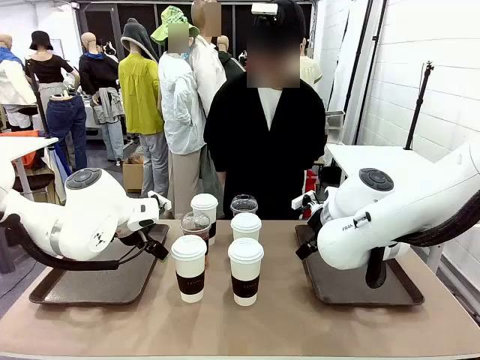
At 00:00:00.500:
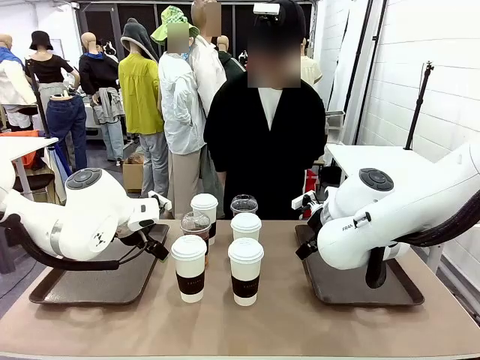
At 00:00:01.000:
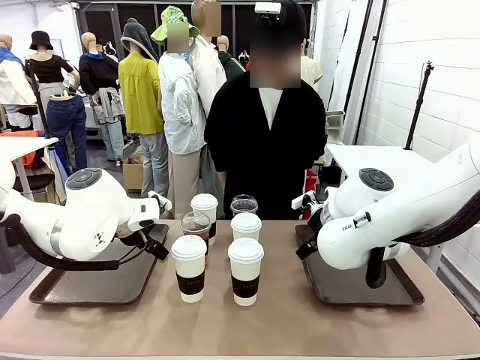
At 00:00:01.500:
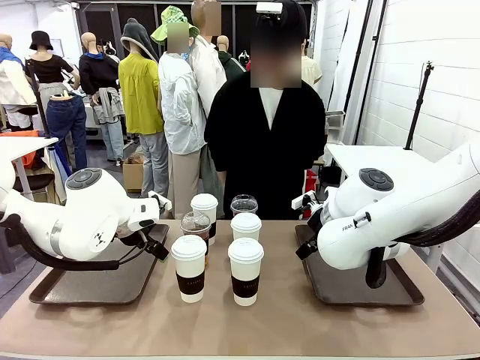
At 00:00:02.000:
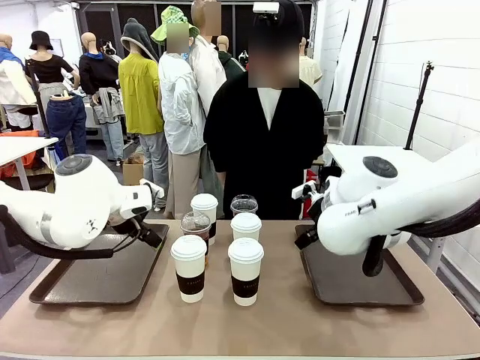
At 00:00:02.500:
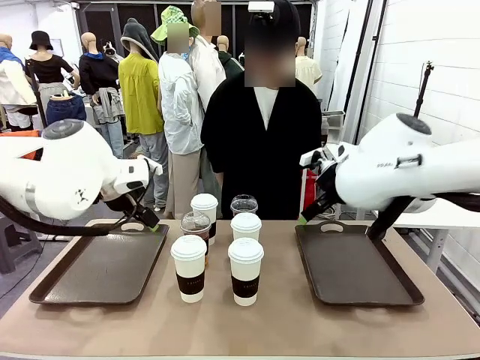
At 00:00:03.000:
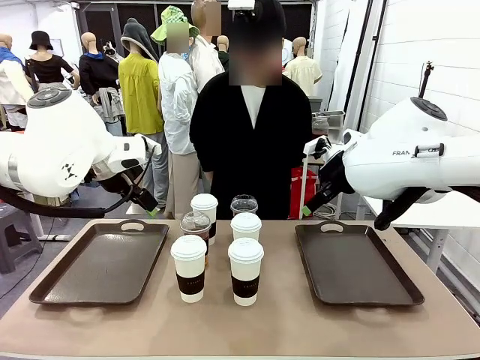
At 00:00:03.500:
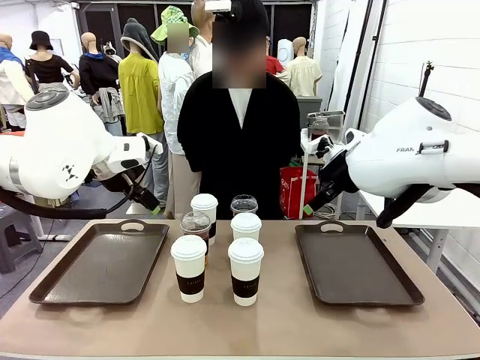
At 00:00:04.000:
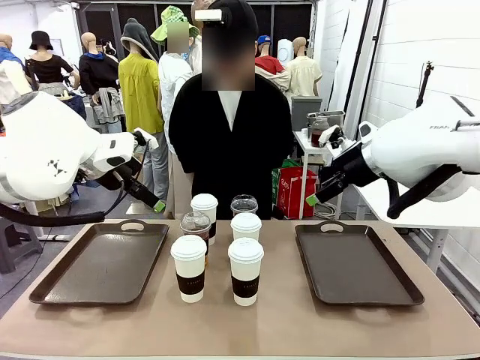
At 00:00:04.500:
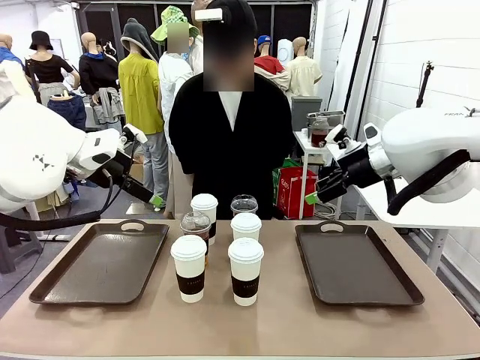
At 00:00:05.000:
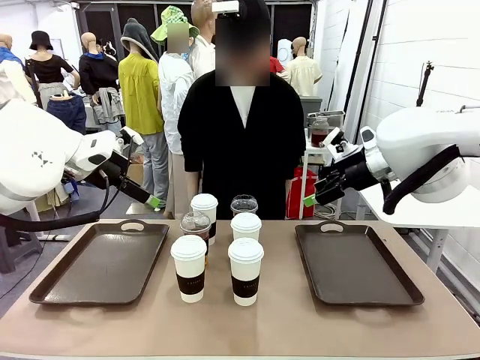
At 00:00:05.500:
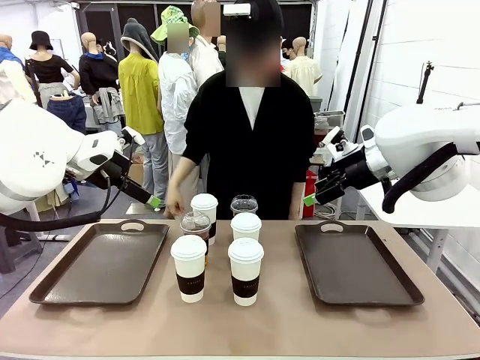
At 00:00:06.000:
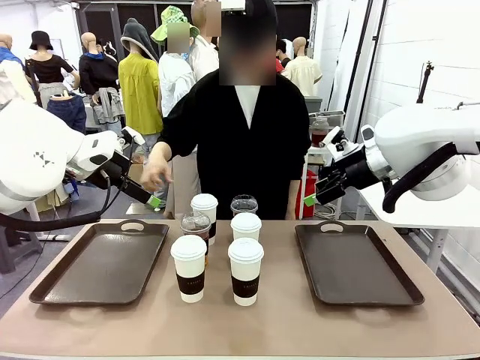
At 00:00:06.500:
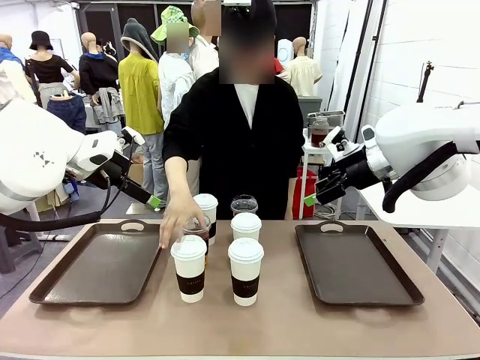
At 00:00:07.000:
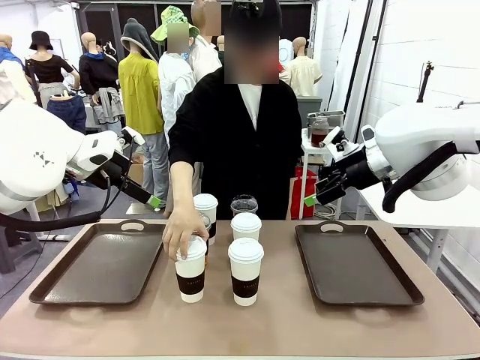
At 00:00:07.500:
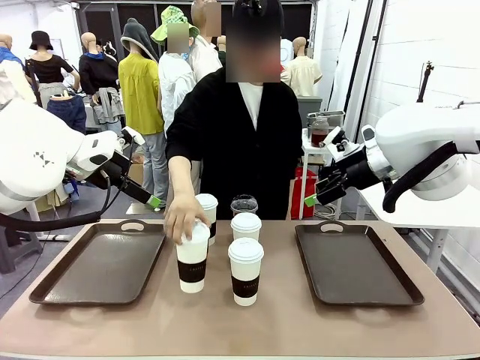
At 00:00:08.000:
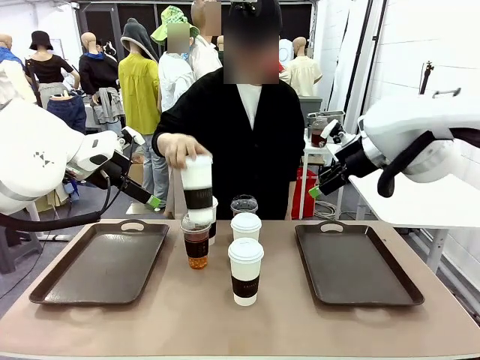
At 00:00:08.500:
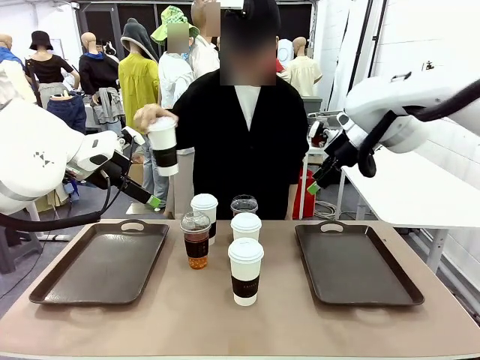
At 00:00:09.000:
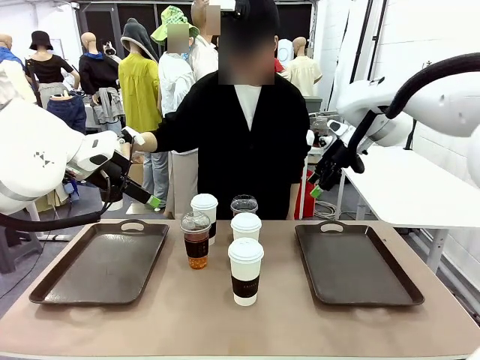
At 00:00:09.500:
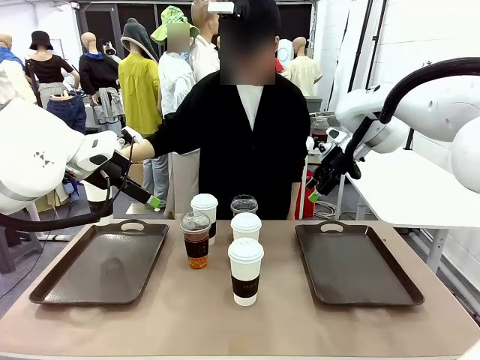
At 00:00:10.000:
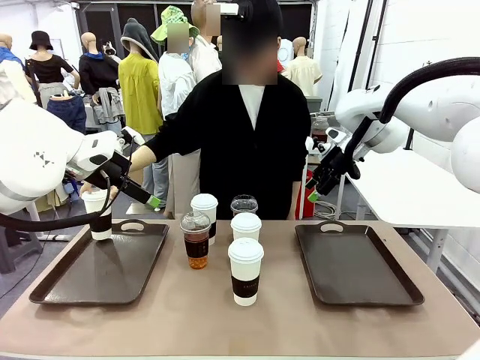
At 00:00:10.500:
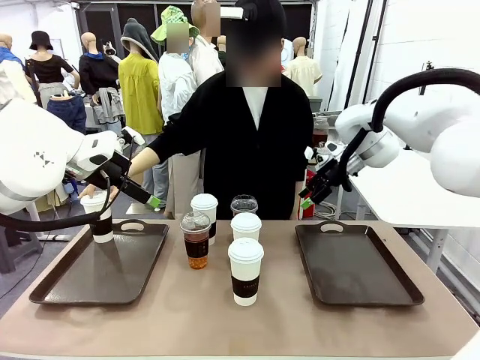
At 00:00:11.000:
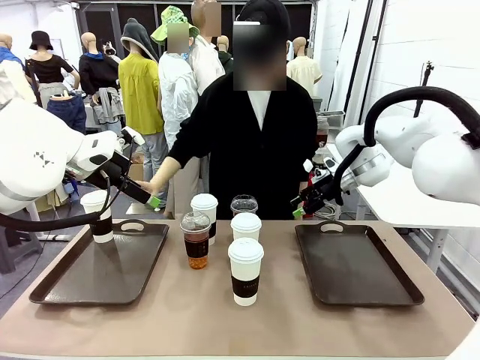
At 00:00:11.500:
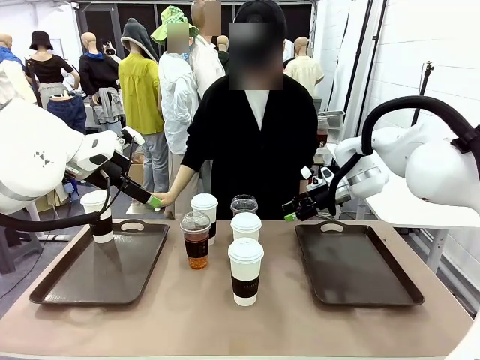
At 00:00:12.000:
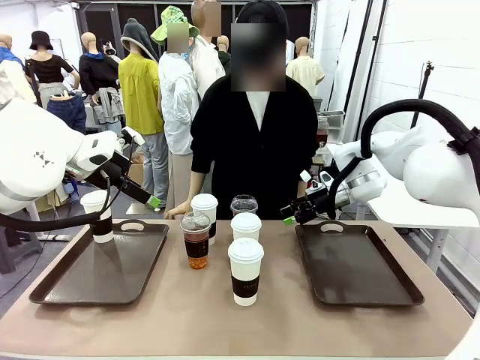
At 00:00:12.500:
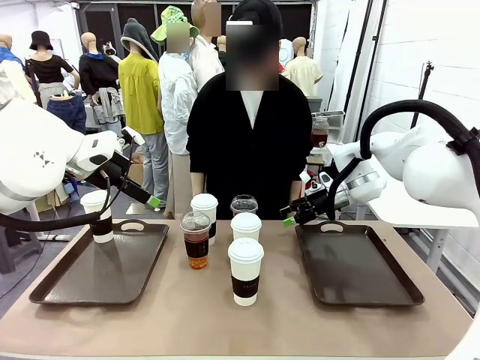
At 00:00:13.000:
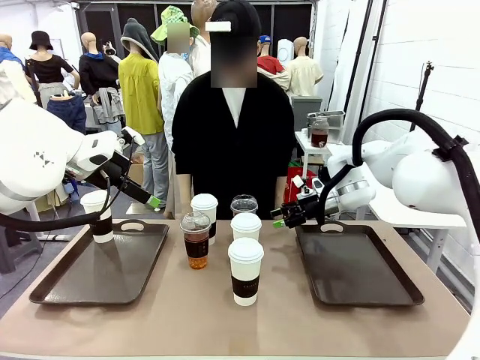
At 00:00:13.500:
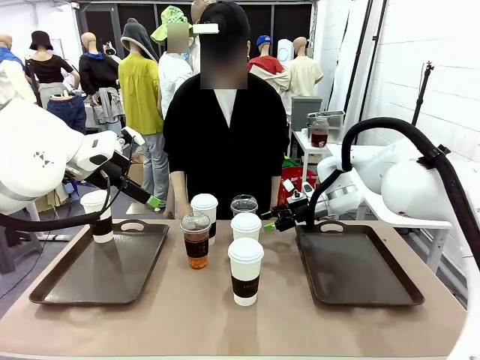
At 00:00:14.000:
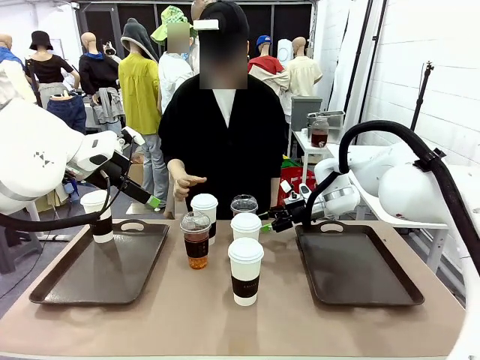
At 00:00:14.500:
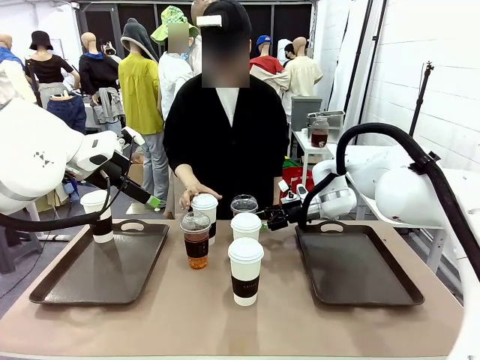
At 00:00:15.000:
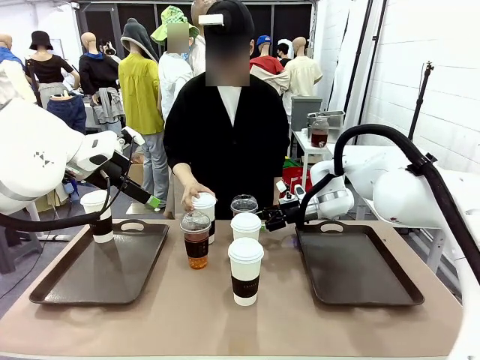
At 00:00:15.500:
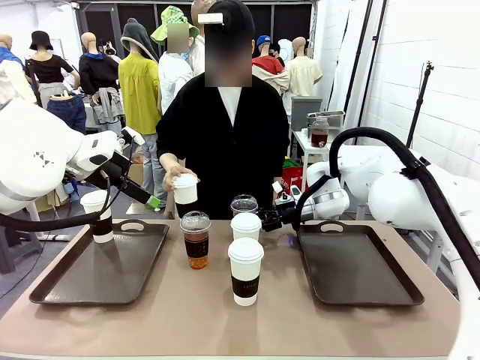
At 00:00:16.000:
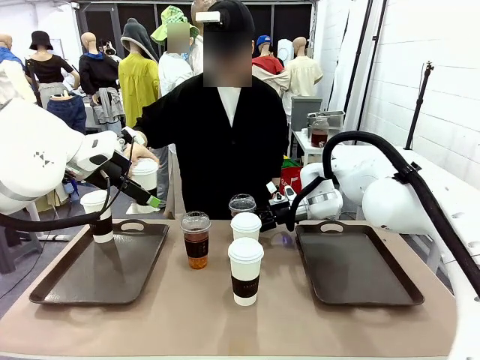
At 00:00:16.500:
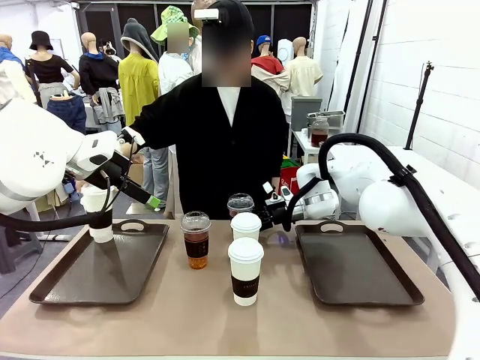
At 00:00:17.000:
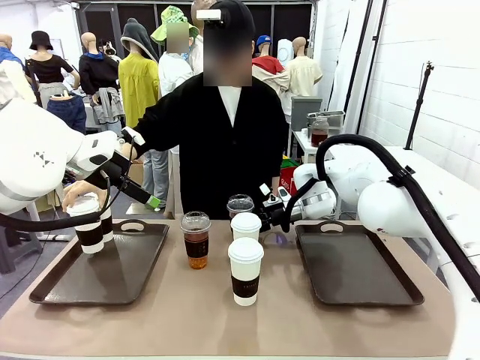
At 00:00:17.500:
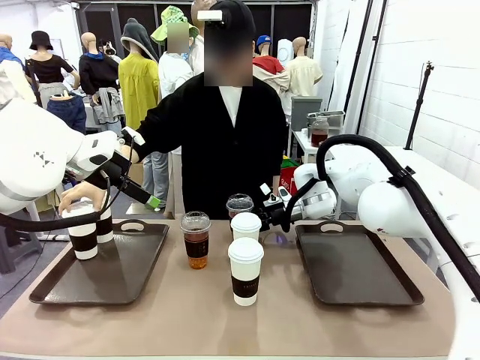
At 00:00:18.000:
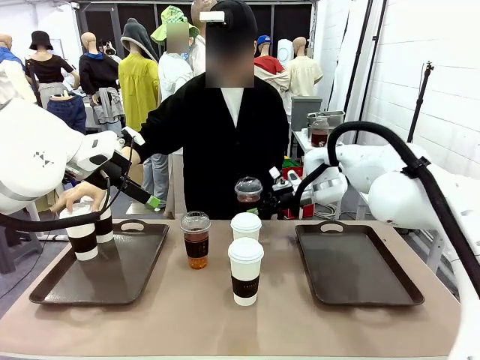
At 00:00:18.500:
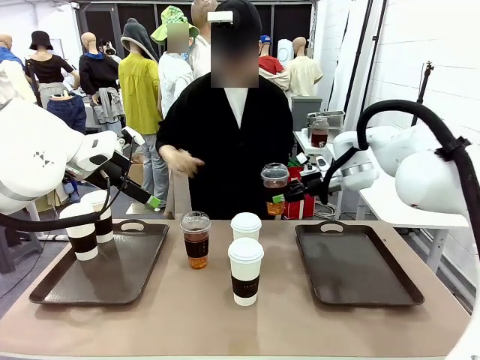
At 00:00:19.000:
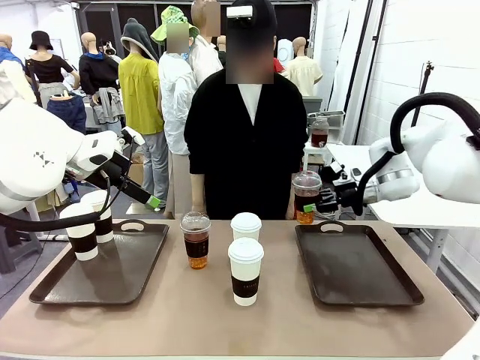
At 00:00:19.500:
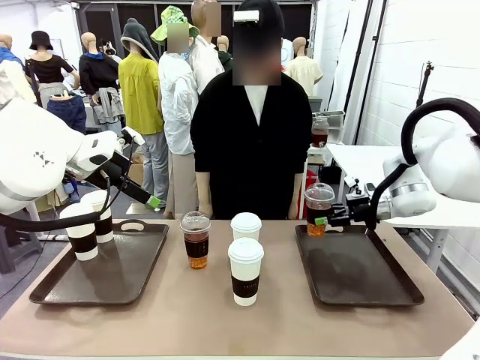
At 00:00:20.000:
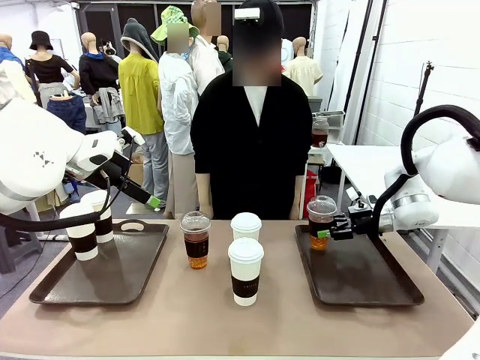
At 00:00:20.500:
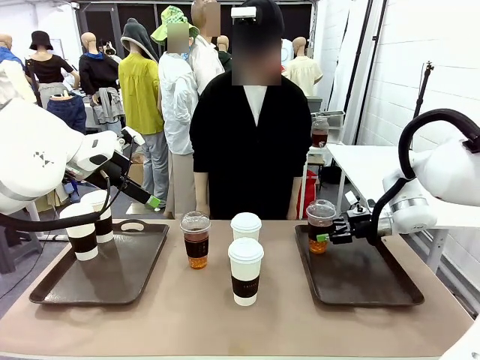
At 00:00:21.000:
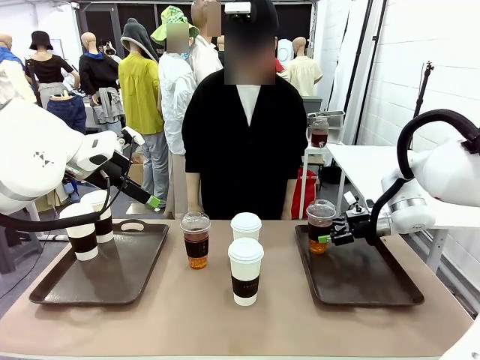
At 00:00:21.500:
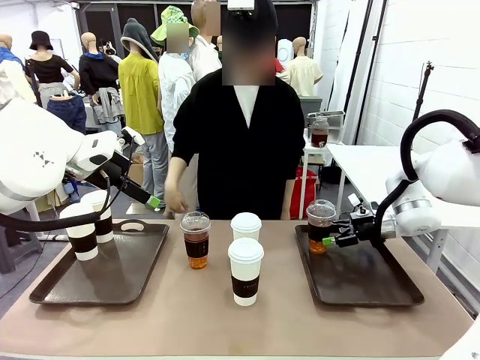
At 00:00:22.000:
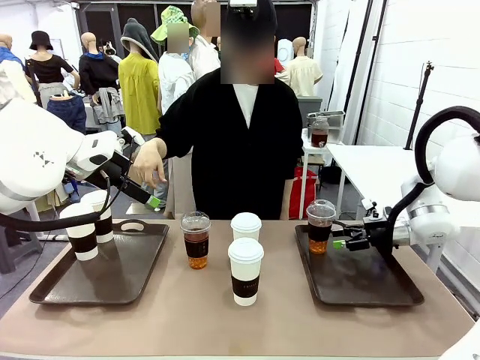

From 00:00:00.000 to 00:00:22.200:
Task: Distribute the coffee onto the tray.
Robot: Pick up one iced Americano and place it on the right Handle tray.
Person: Pick up a cup of hot Americano and place it on the right tray.
